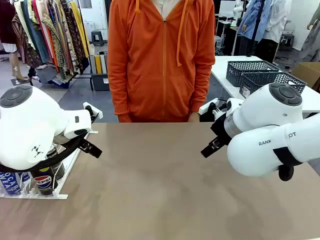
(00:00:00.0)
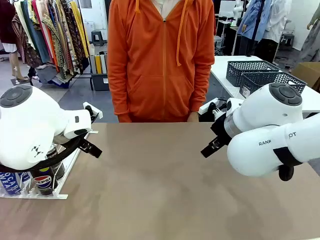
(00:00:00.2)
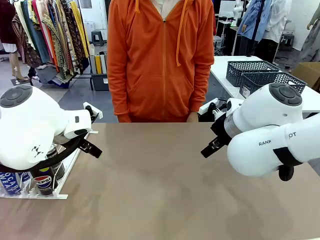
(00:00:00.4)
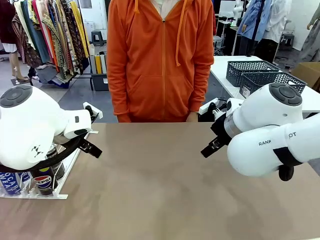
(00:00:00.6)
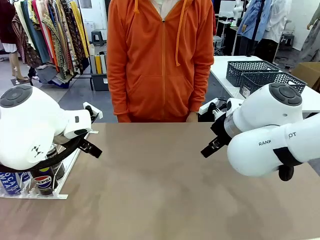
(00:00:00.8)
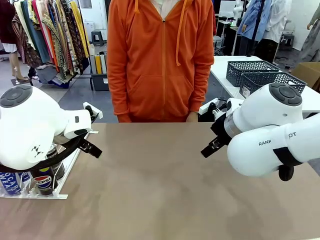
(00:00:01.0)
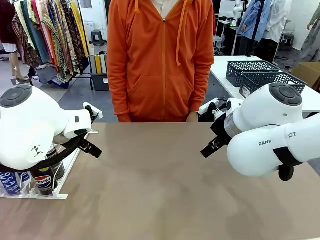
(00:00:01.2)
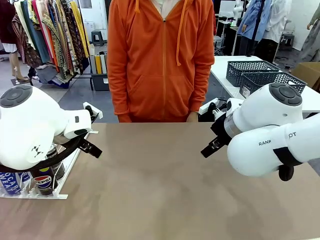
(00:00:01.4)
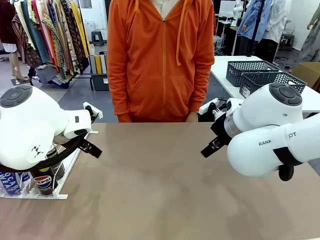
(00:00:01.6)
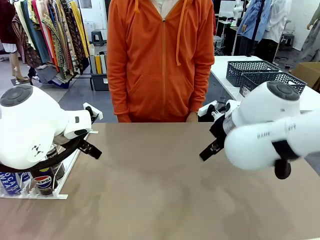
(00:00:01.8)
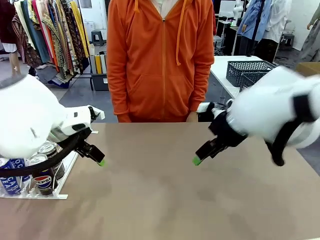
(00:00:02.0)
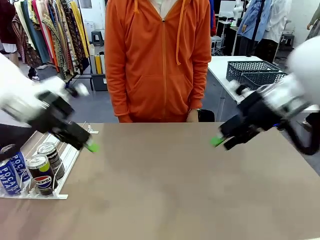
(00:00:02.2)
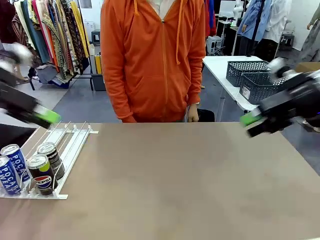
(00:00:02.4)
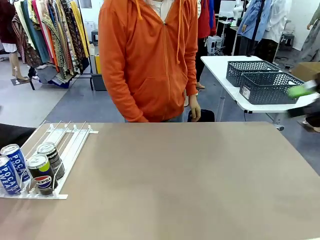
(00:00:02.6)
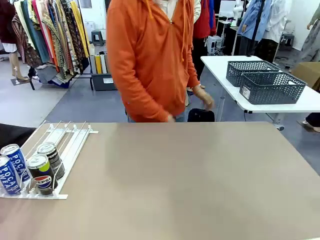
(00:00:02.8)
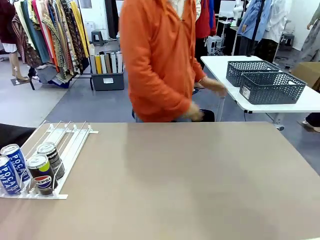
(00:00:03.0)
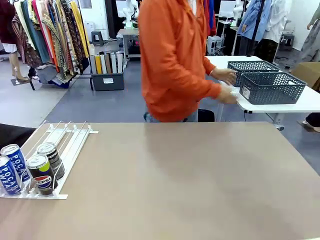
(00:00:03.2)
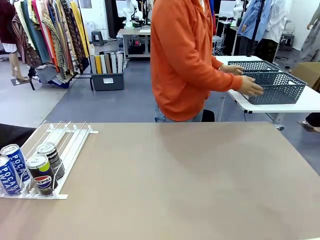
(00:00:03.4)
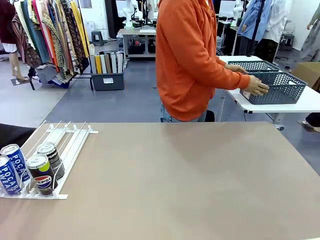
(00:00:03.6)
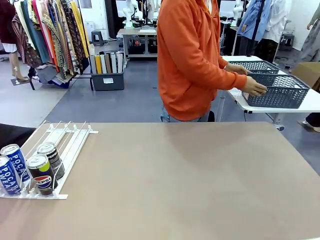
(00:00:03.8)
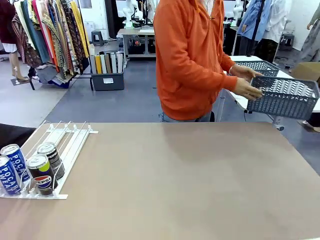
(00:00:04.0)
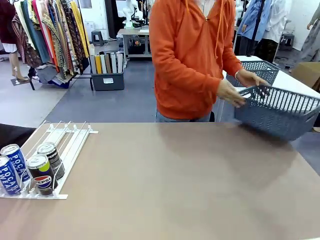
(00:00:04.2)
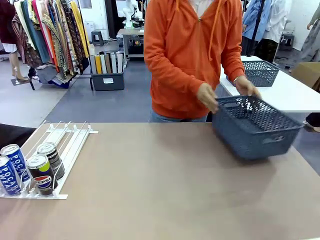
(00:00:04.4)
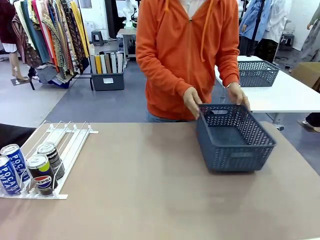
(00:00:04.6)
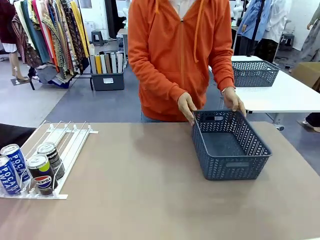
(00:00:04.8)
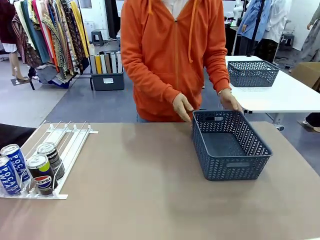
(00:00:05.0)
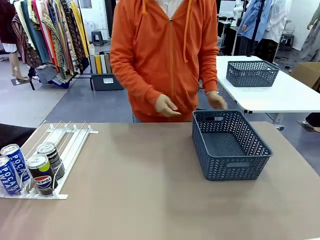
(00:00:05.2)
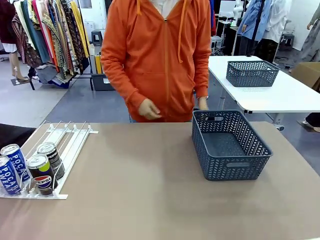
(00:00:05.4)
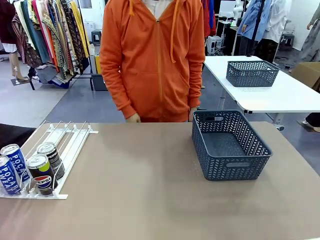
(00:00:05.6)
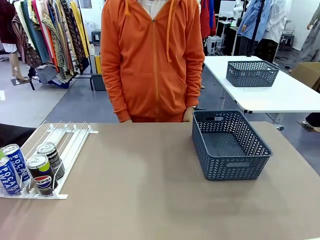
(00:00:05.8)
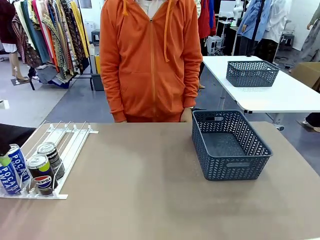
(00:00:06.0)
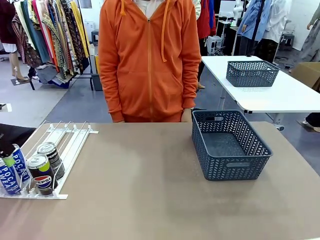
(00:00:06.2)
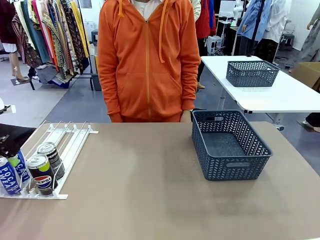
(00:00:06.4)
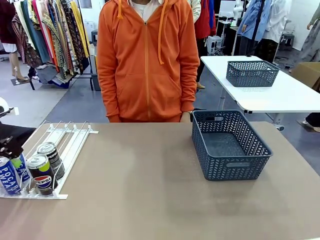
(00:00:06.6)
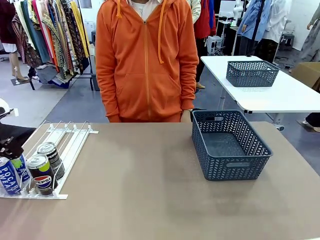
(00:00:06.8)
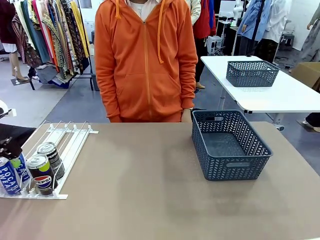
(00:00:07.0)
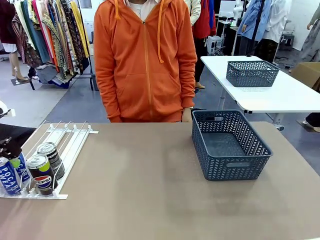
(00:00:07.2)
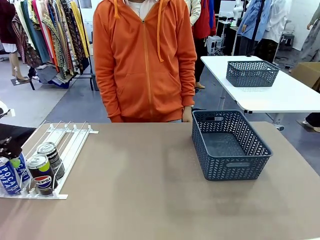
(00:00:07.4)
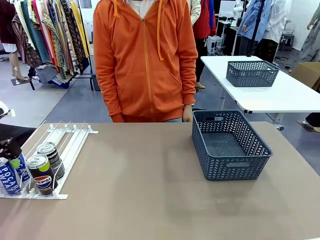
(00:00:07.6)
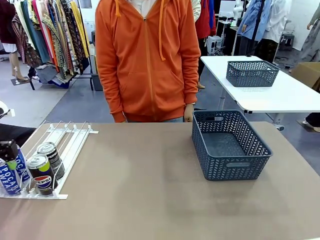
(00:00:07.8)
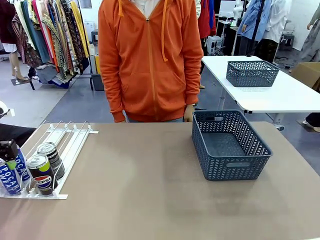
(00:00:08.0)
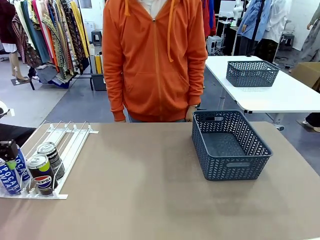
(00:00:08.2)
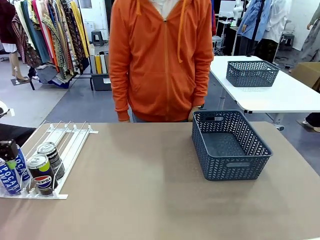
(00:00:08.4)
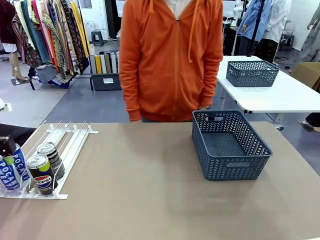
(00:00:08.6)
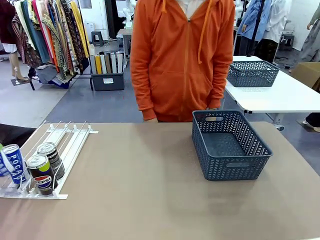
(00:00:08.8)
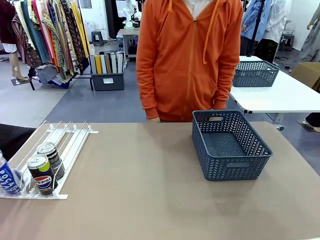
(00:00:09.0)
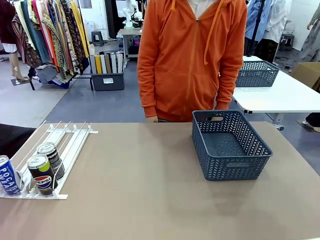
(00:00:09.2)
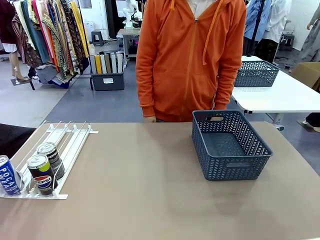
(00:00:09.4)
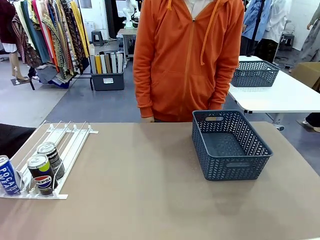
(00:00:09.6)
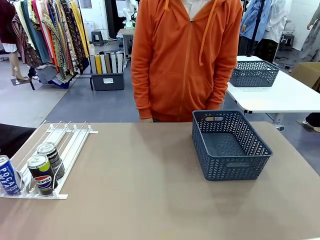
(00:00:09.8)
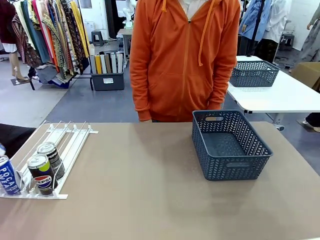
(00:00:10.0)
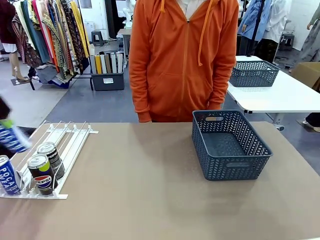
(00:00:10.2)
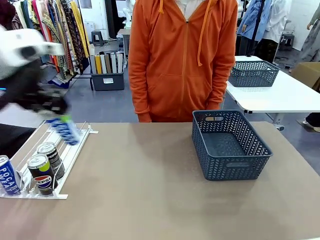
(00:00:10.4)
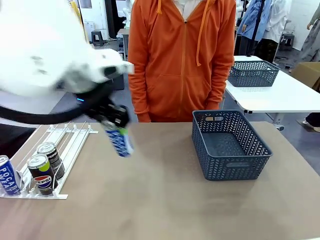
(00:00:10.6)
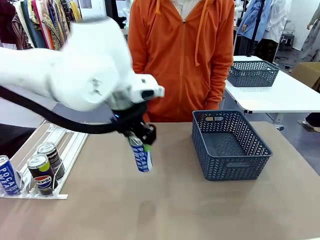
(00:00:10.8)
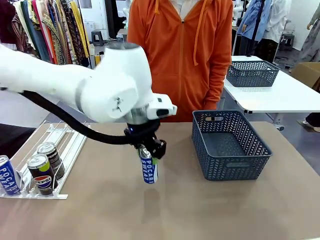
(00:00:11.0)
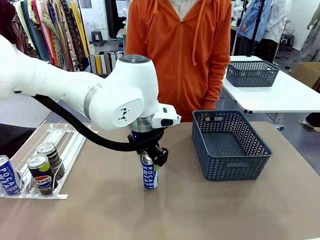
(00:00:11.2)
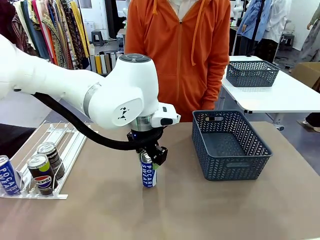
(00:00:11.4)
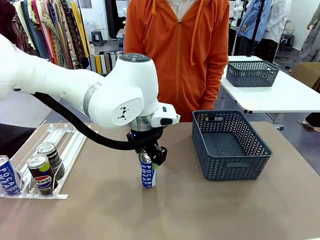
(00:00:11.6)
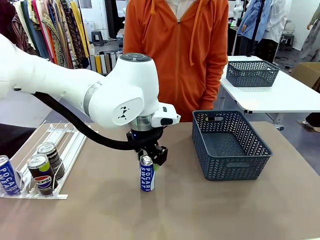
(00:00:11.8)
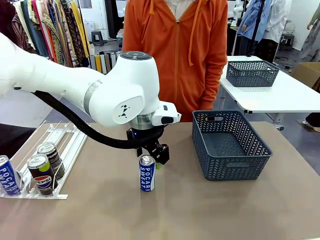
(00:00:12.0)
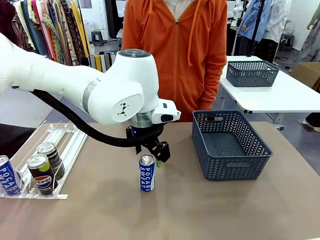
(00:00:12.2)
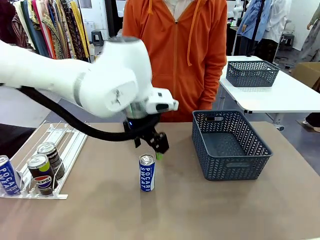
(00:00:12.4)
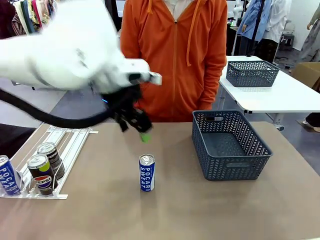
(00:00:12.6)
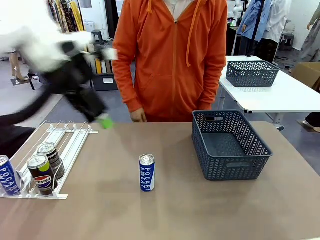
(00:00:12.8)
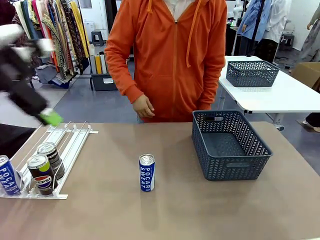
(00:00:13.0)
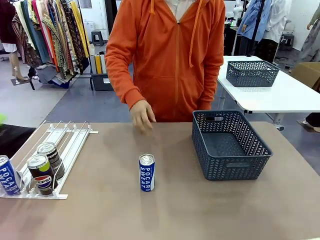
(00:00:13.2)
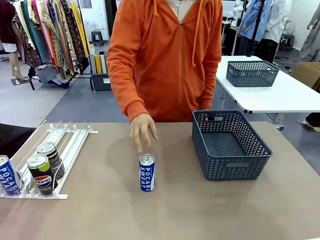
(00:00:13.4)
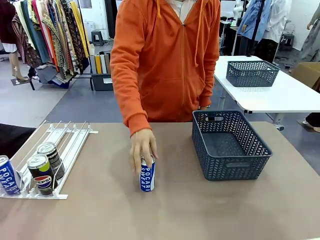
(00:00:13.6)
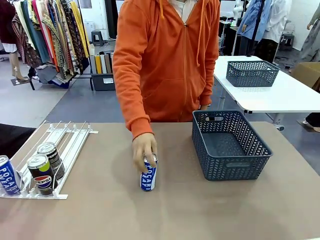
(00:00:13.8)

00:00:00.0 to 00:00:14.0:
Task: Retrieve and store the cans from the dispenser.
Robot: Pick up one can from the Automatic Can Dispenser and place it in the middle of the table.
Person: Pick up the basket and place it on the left side of the robot table.

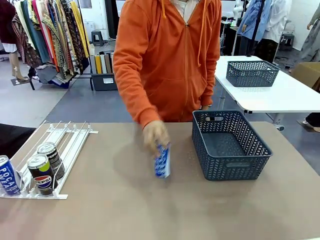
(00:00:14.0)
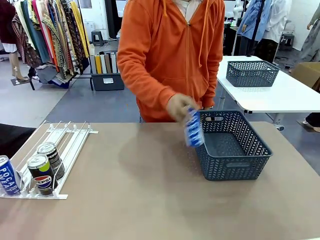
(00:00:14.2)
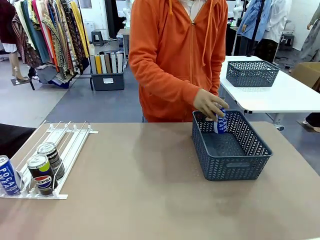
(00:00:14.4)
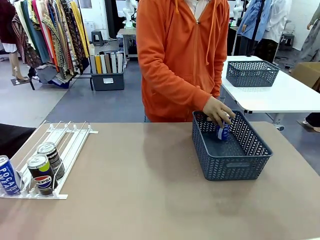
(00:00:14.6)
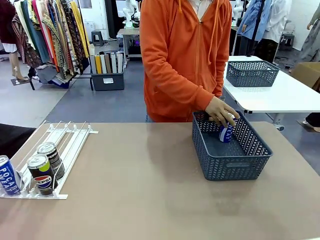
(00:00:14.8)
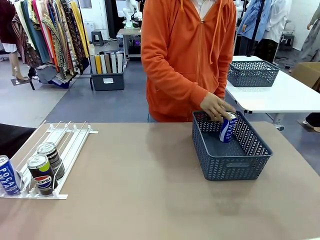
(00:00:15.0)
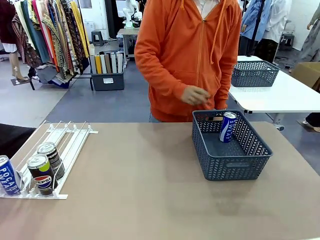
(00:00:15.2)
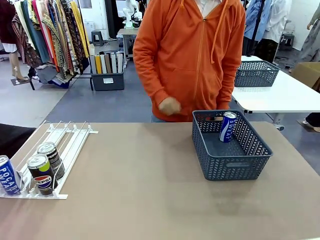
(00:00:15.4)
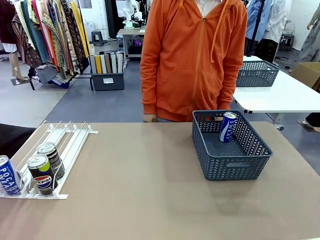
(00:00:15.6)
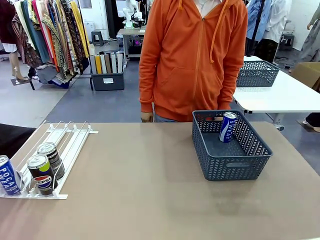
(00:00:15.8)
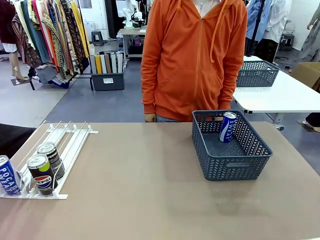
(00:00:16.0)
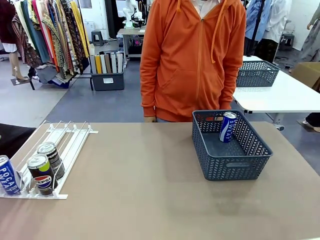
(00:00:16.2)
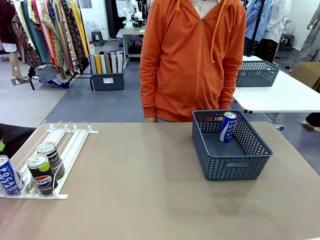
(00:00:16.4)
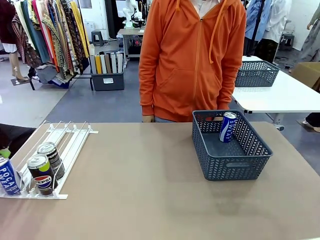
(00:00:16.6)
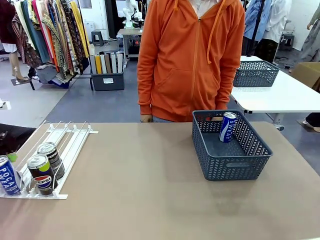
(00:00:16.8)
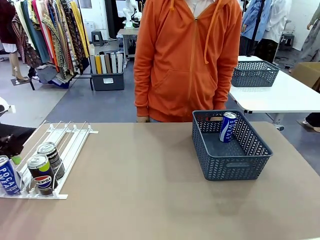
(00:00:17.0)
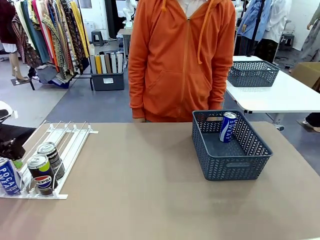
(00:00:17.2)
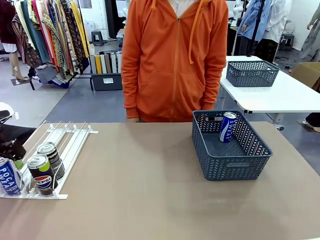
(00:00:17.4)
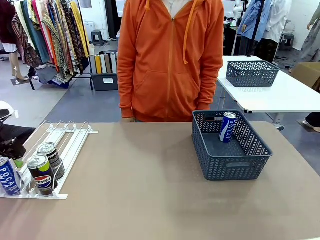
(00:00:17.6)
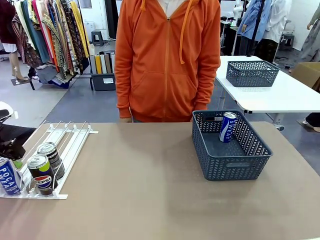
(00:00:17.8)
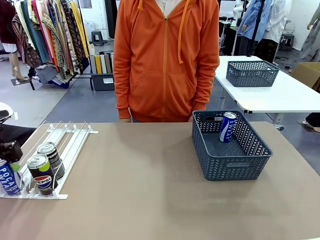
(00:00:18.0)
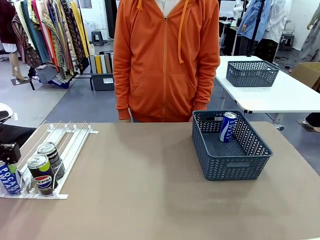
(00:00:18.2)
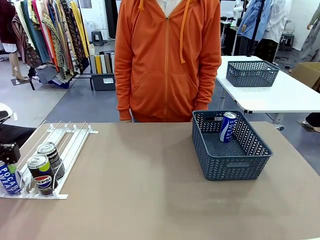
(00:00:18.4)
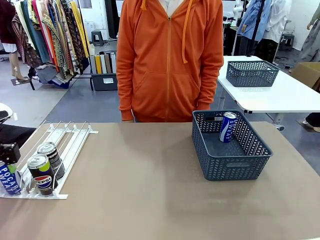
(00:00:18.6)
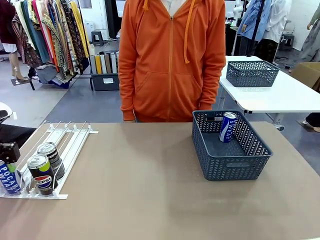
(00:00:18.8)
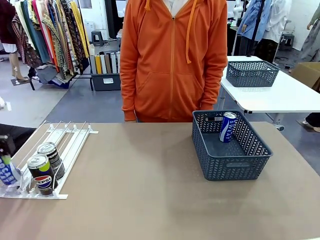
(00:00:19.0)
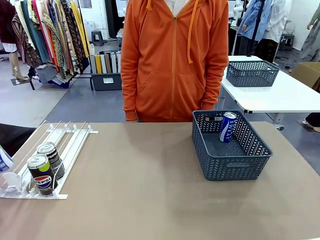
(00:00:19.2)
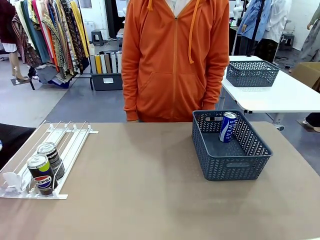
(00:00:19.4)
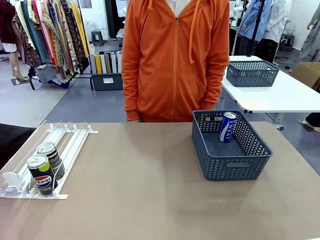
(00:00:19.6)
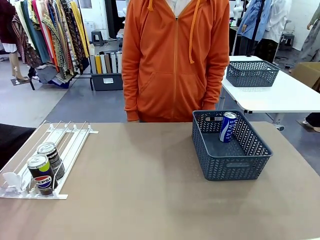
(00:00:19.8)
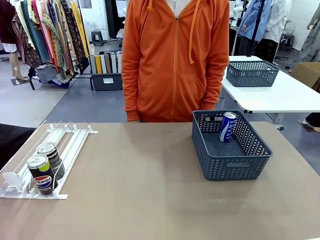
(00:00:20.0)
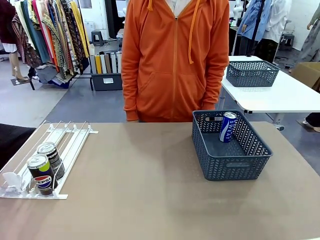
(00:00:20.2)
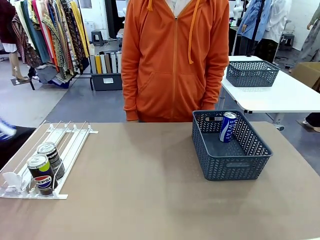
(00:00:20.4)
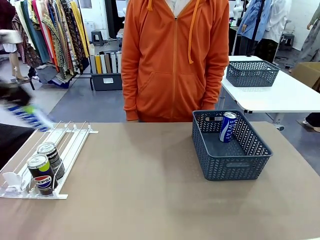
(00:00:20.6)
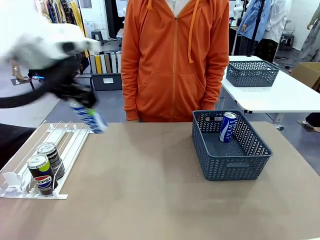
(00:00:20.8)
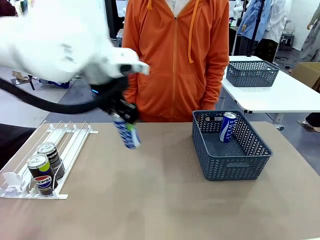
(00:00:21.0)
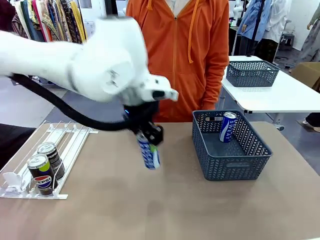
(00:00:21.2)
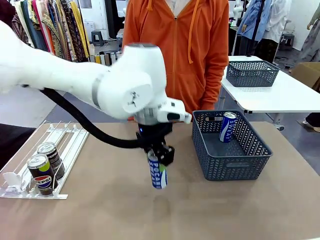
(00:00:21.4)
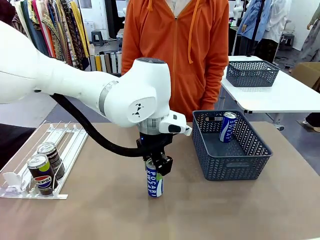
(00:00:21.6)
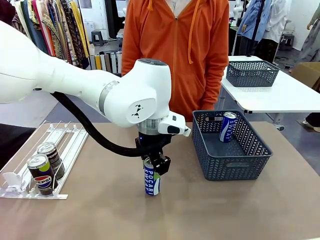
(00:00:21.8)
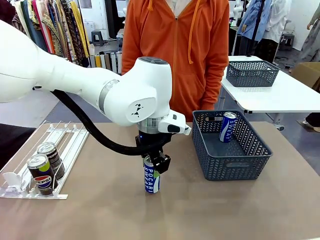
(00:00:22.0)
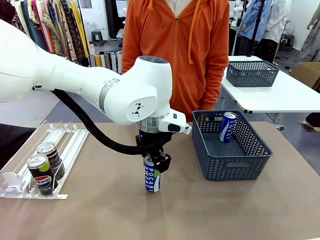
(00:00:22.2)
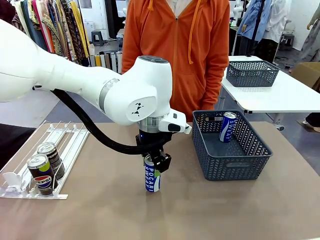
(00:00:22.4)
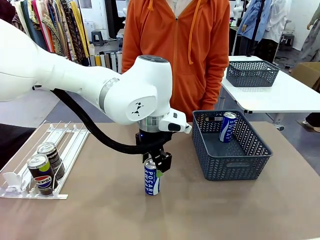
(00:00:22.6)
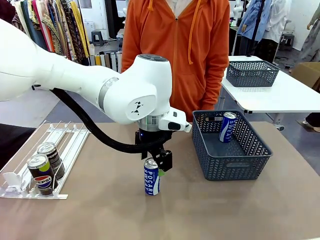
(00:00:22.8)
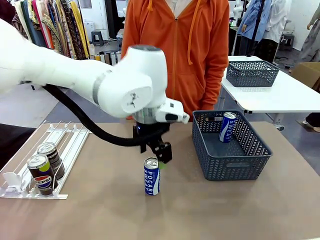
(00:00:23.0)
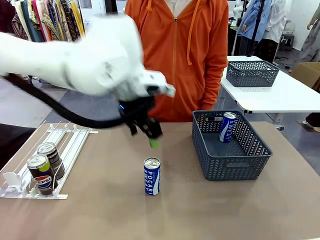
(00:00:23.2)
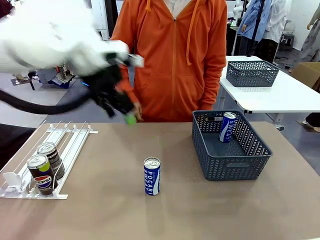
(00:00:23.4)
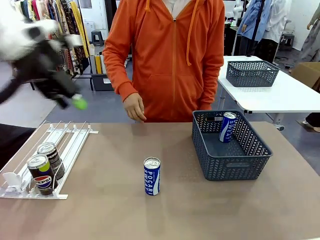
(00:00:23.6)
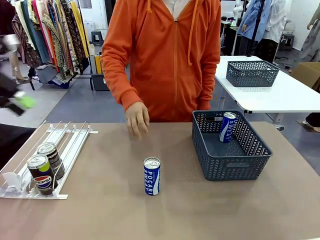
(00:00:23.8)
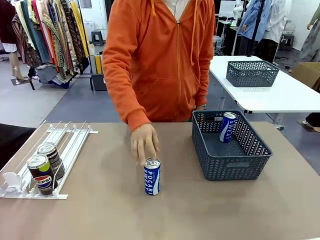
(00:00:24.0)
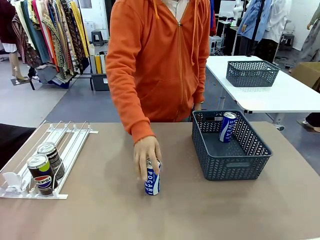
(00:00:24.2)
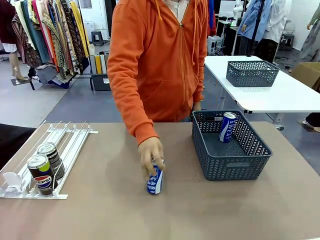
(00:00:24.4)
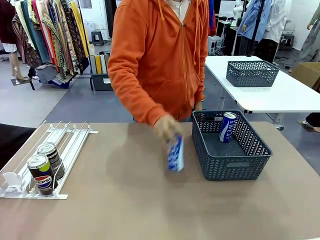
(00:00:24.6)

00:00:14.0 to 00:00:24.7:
Robot: Pick up the last remaining can from one row of the Automatic Can Dispenser and place it in the middle of the table.
Person: Pick up one Pepsi can from the middle of the robot table and place it in the basket.
